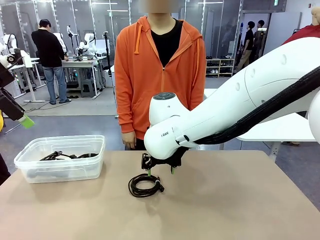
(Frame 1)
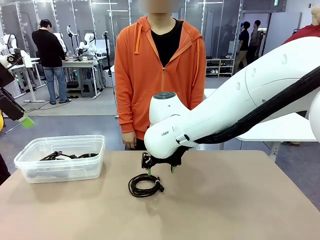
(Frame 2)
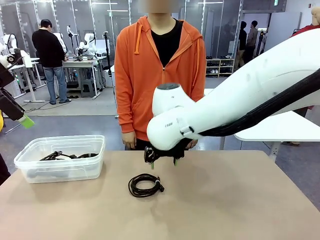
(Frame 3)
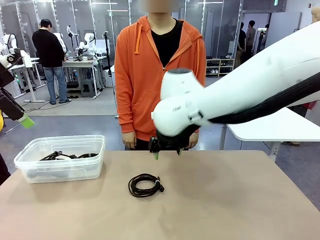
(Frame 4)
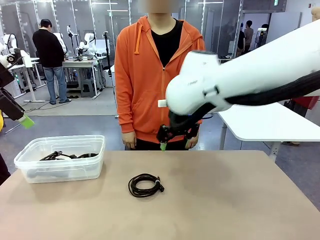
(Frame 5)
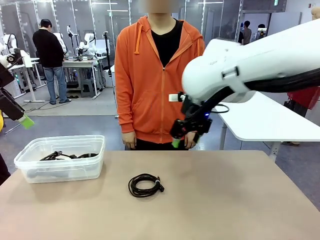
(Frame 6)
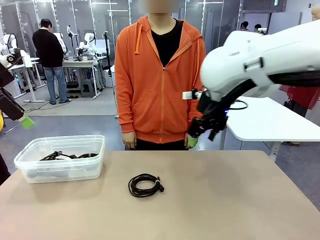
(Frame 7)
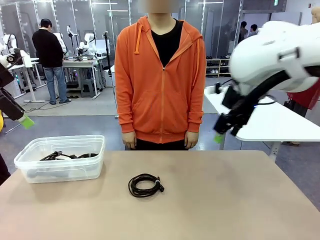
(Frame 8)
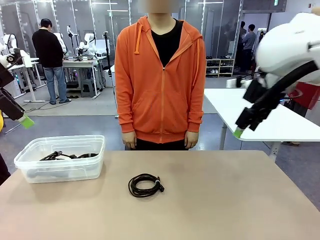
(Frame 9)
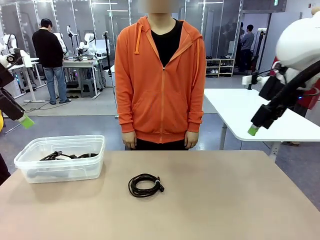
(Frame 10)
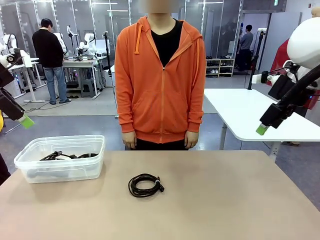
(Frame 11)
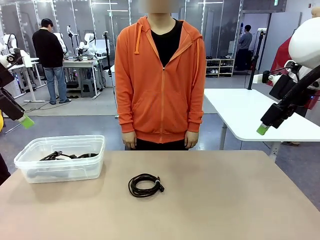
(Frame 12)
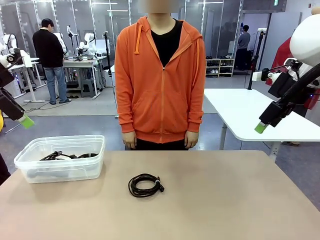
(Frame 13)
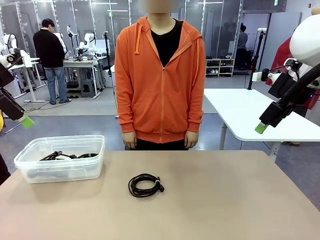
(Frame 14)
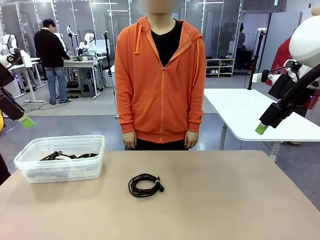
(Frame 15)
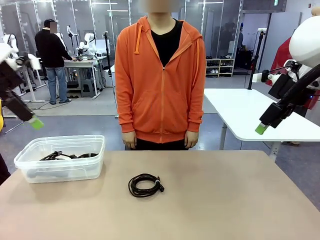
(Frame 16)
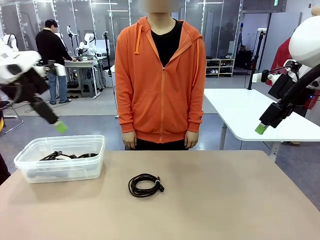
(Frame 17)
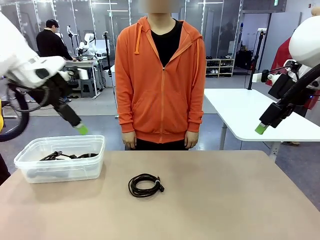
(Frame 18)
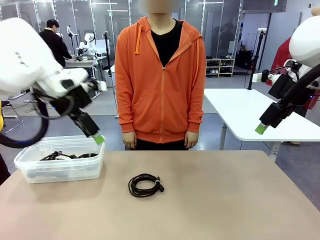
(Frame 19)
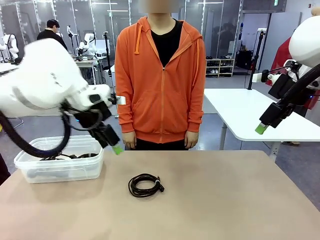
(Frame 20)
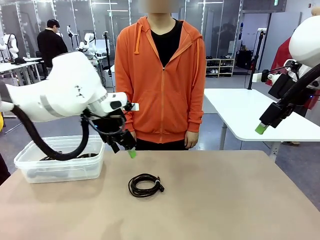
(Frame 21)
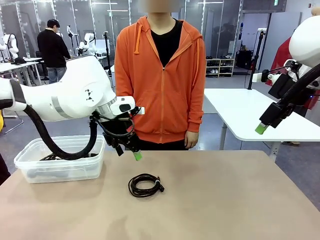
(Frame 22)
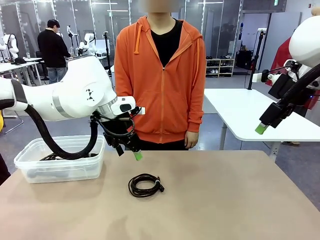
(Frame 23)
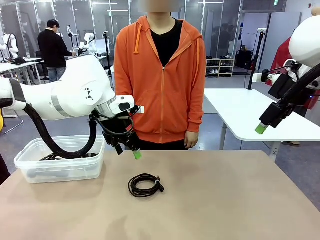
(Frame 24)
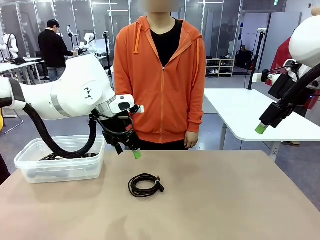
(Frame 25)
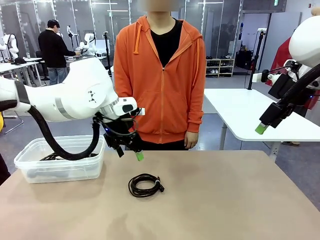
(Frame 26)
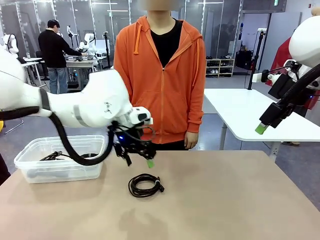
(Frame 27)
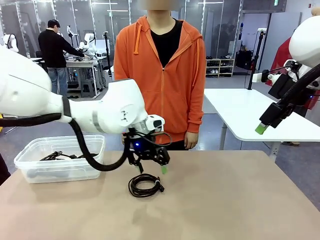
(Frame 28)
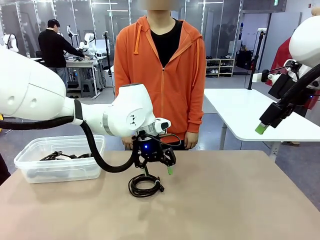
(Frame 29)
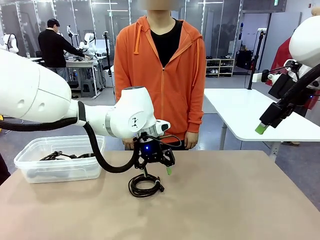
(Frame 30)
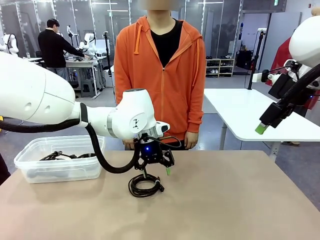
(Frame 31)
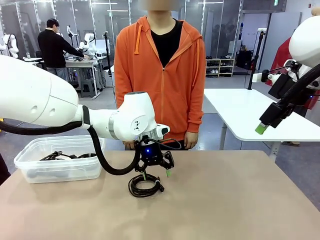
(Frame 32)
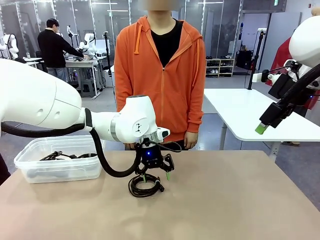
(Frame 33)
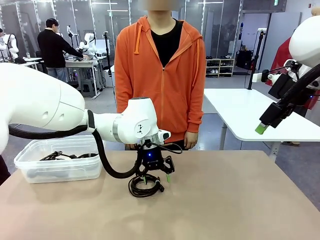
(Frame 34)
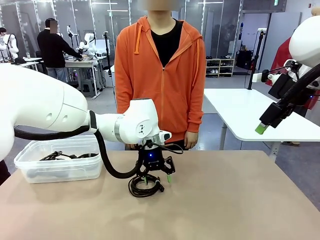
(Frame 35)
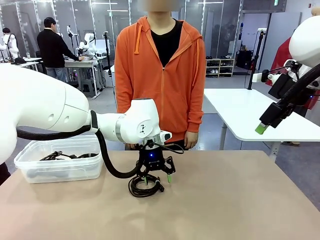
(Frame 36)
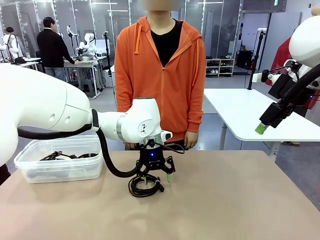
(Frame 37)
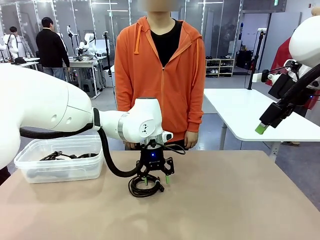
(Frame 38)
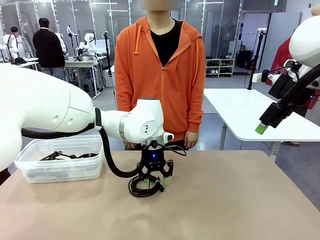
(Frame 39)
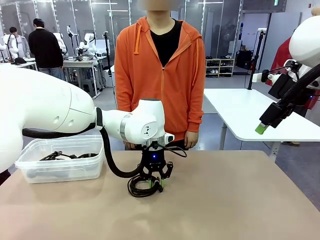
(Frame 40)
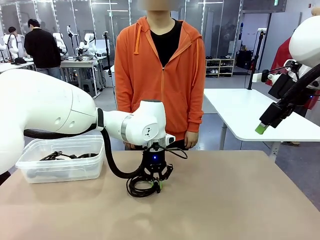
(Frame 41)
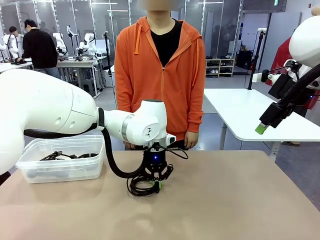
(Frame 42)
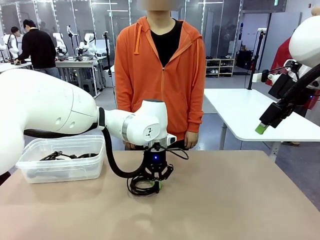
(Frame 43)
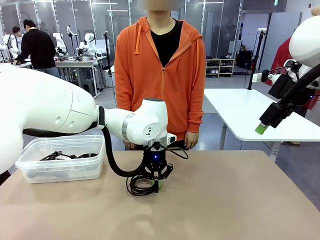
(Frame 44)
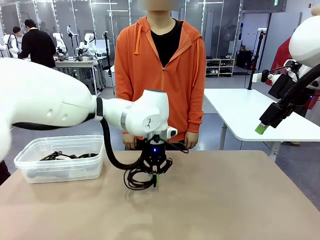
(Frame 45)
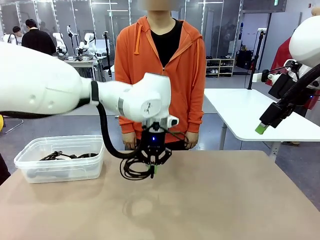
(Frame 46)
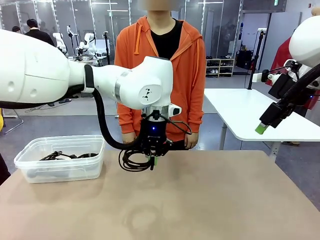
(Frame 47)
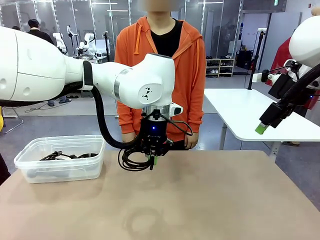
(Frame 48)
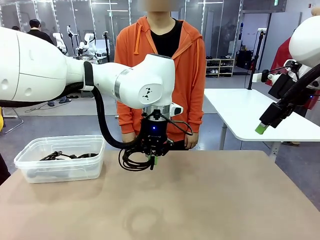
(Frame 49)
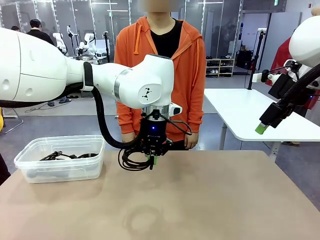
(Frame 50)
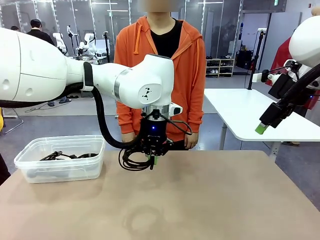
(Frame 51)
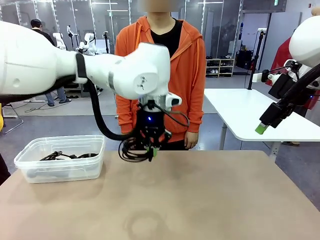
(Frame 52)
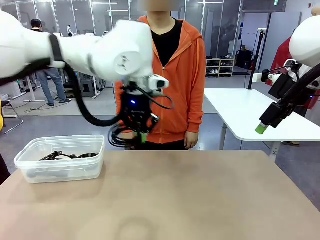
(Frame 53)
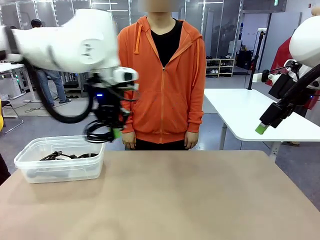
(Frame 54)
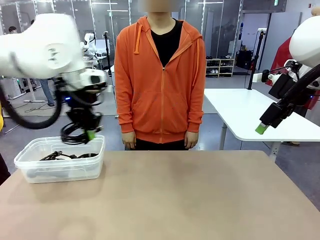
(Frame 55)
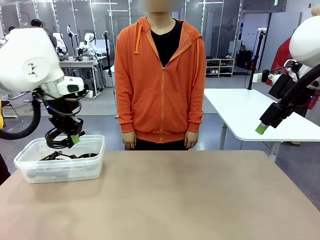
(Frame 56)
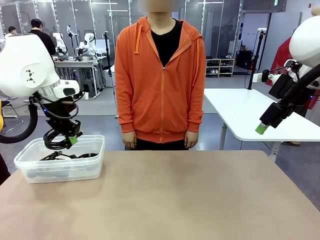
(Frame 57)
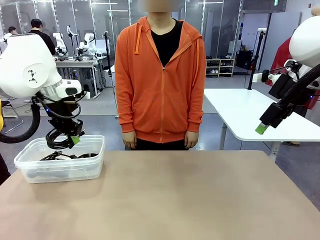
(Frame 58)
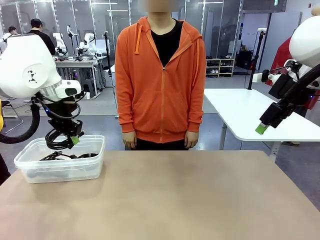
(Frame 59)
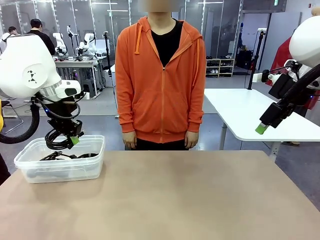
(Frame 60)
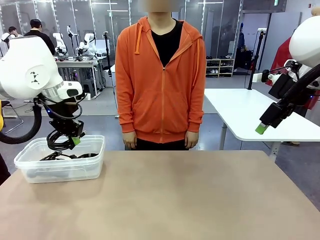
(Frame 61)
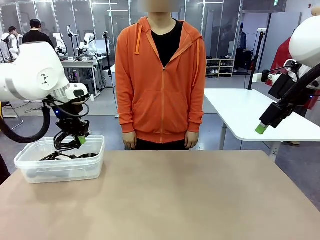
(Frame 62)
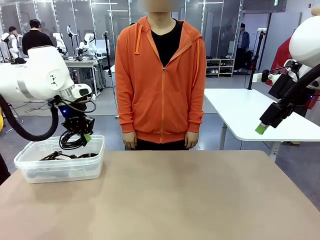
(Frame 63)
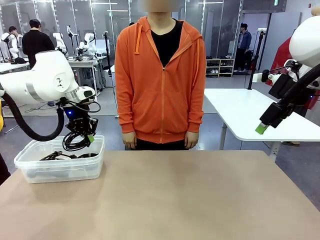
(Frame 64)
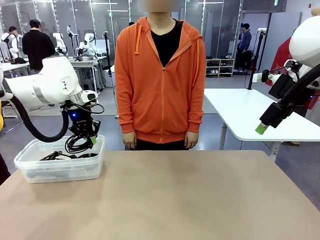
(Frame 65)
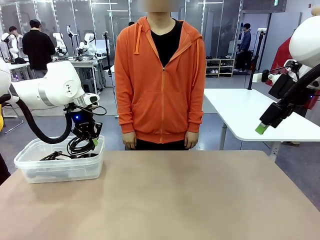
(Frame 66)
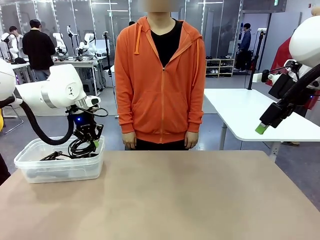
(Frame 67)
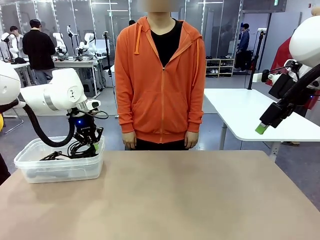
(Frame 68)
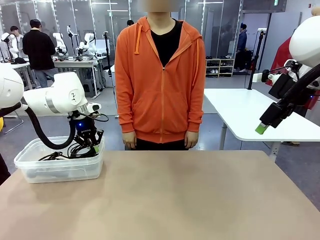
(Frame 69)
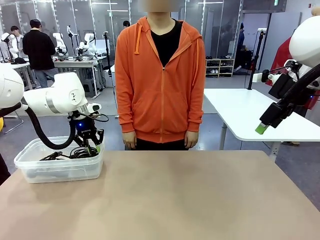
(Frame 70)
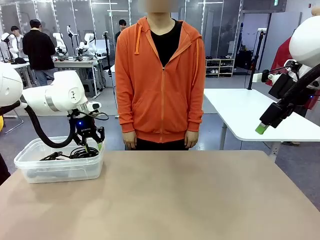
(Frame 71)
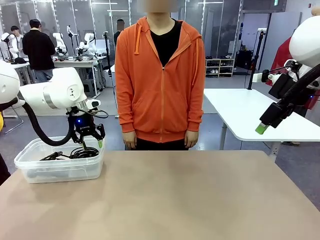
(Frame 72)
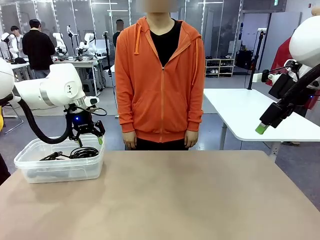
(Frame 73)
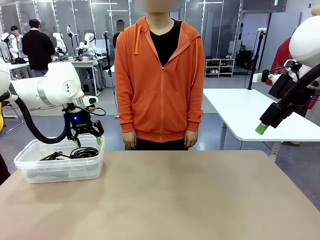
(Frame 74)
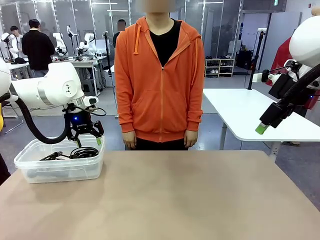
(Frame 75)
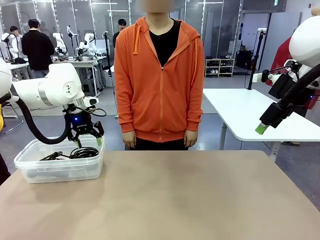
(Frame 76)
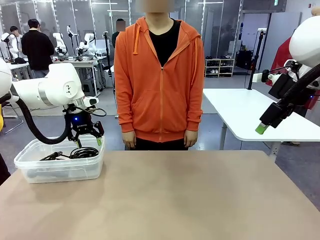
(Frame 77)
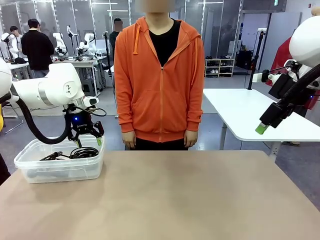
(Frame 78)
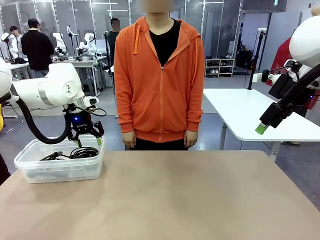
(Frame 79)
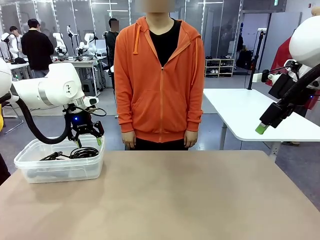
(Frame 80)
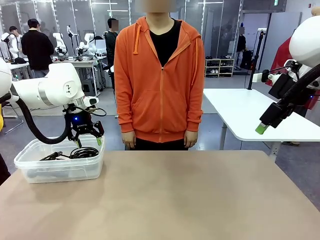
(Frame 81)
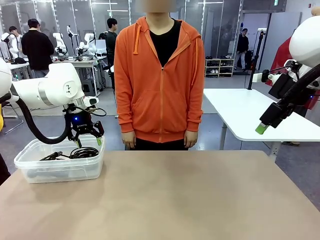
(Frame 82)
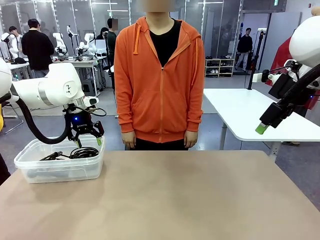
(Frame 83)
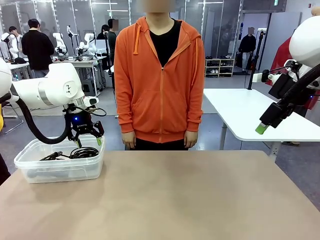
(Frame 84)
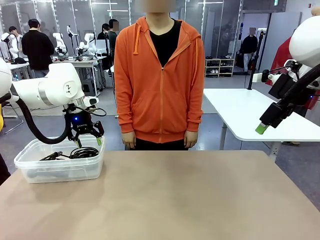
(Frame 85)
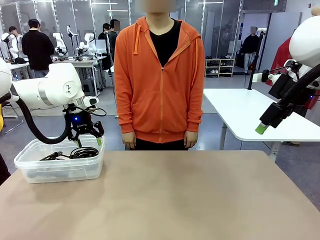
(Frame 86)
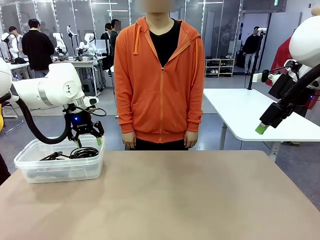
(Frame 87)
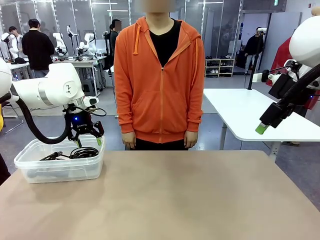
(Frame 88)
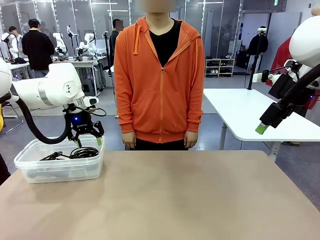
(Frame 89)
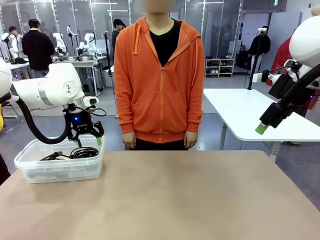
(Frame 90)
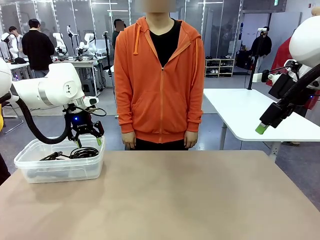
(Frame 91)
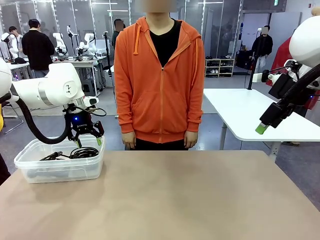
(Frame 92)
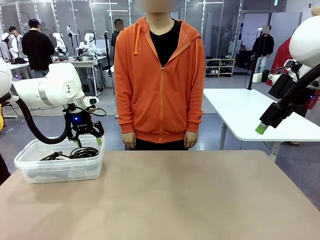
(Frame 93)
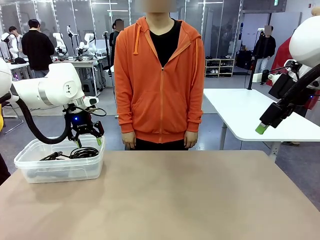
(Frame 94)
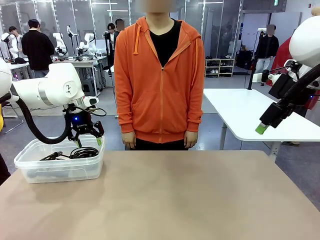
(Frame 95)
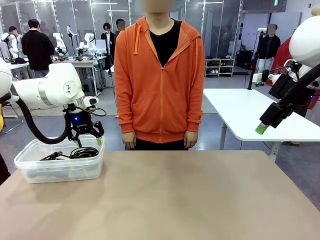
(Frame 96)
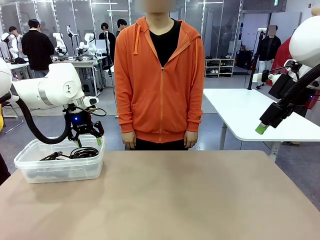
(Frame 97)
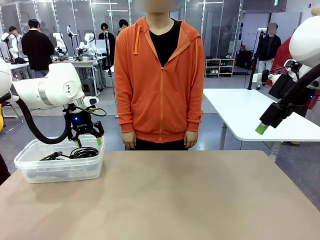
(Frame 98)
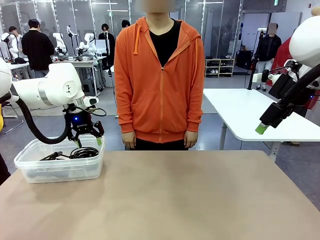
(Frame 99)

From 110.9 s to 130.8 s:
Task: Organize and store the cables.
Robot: Place the USB Extension Cable into the Organizing box.
